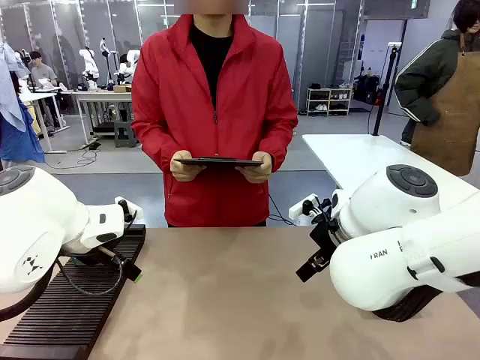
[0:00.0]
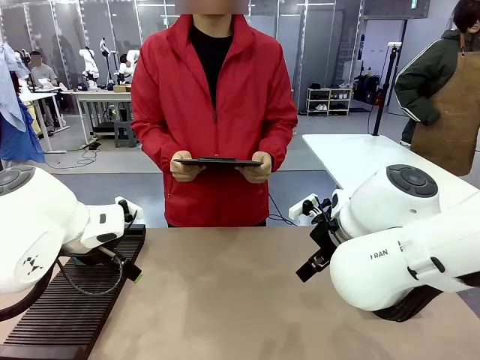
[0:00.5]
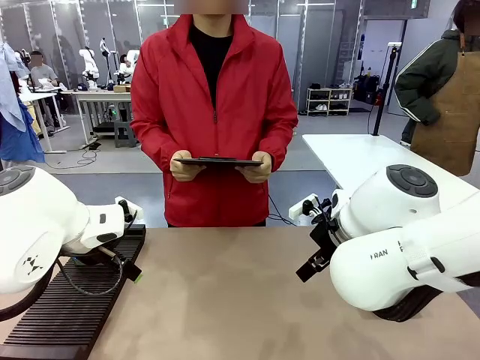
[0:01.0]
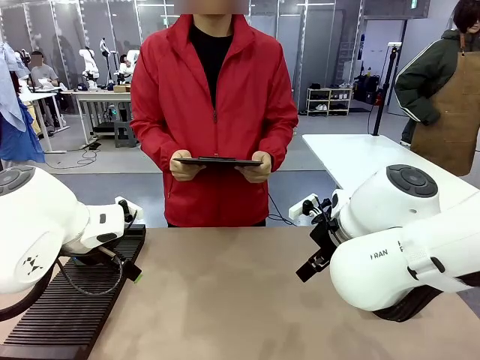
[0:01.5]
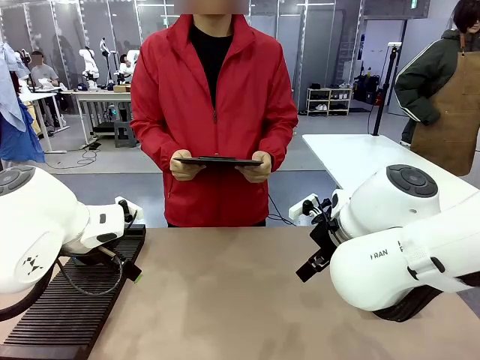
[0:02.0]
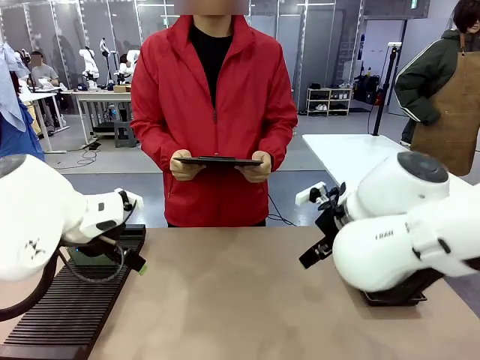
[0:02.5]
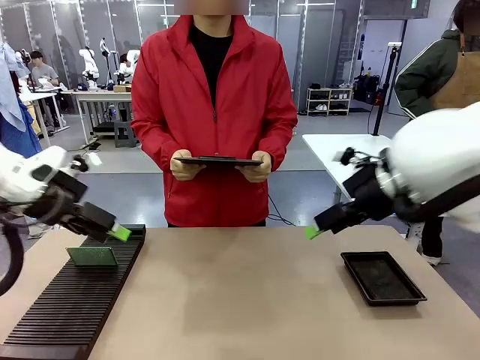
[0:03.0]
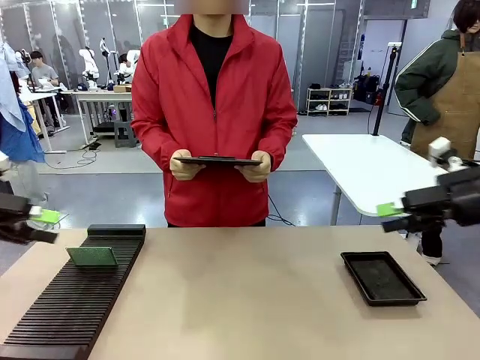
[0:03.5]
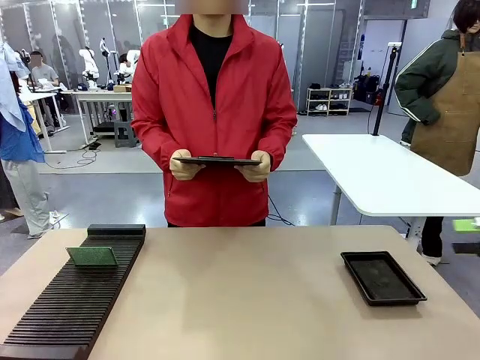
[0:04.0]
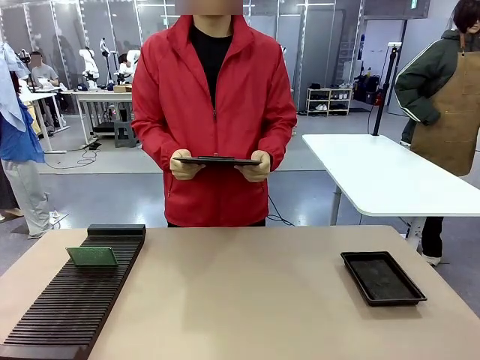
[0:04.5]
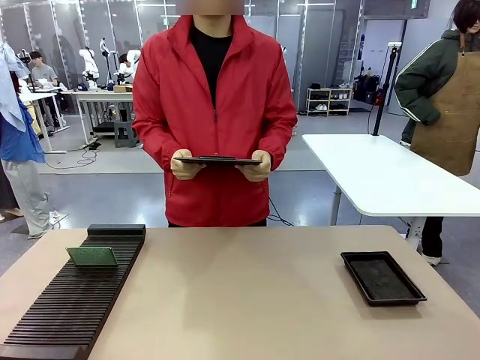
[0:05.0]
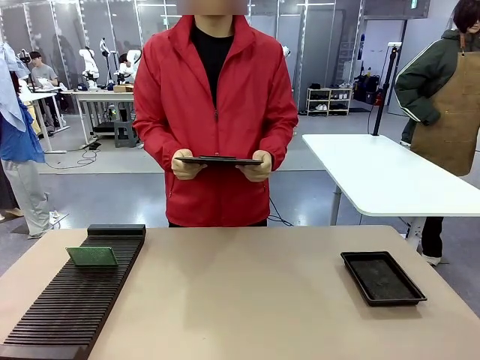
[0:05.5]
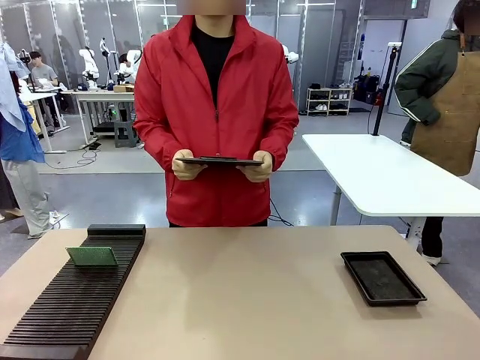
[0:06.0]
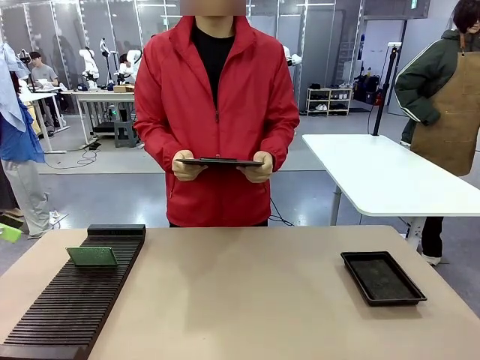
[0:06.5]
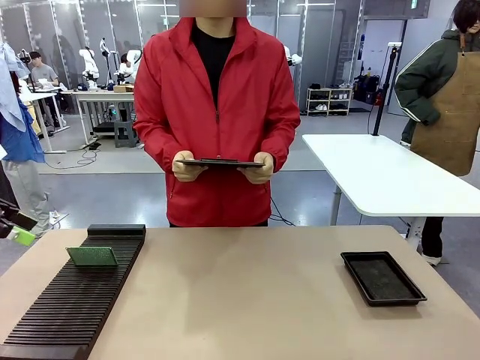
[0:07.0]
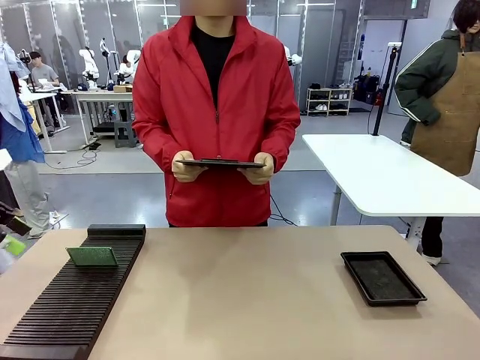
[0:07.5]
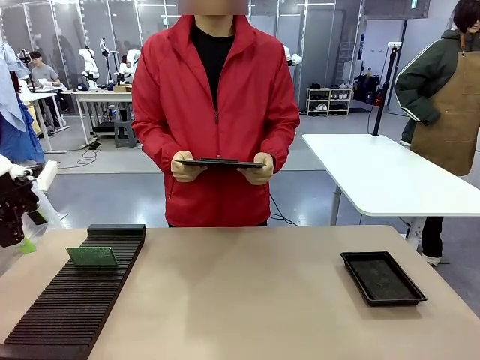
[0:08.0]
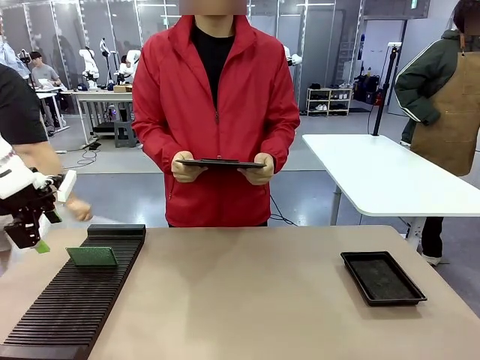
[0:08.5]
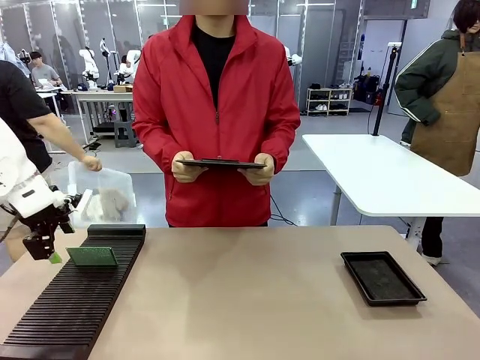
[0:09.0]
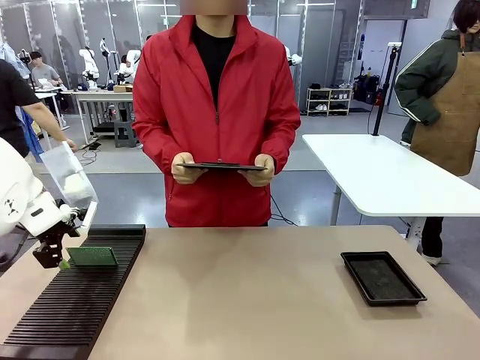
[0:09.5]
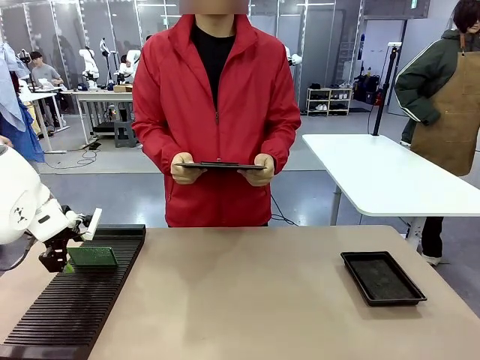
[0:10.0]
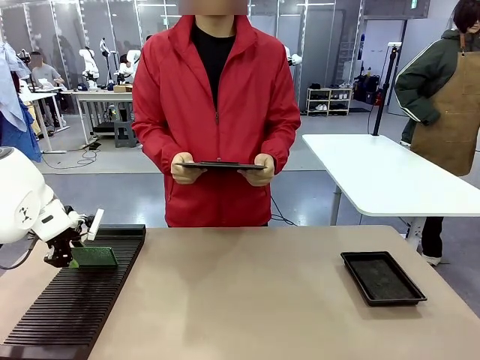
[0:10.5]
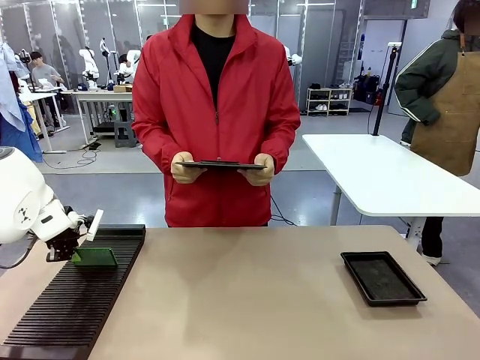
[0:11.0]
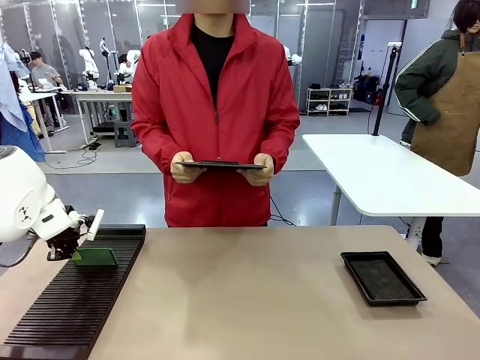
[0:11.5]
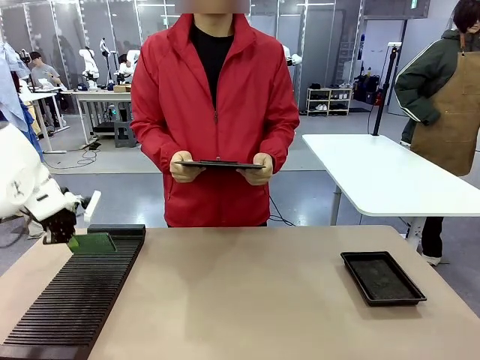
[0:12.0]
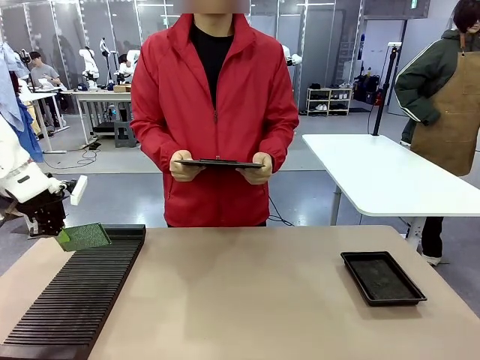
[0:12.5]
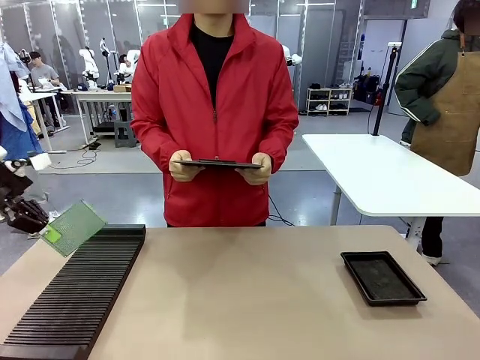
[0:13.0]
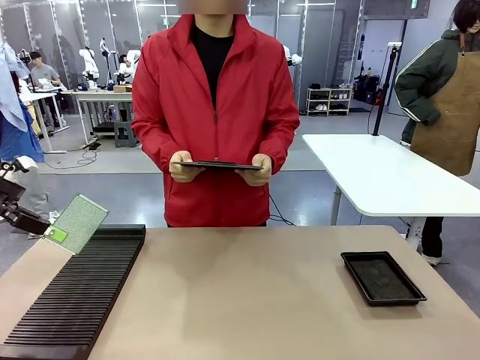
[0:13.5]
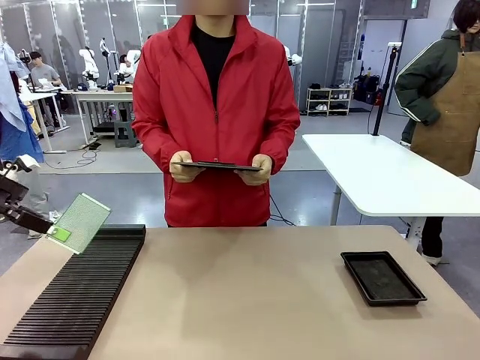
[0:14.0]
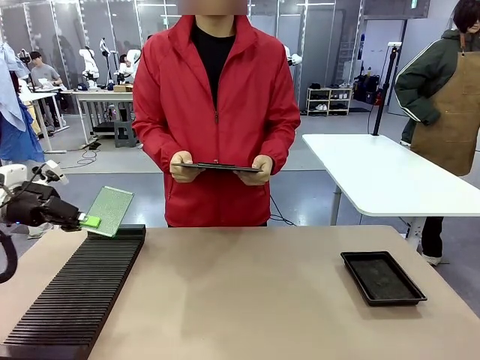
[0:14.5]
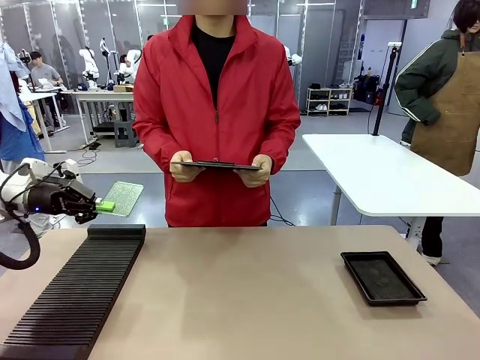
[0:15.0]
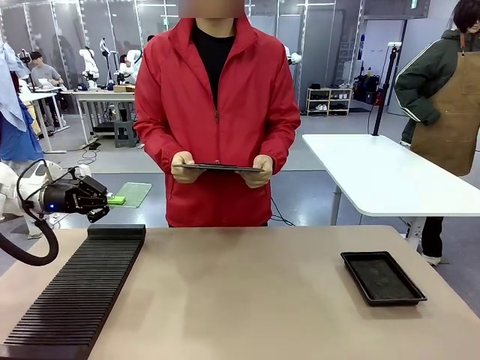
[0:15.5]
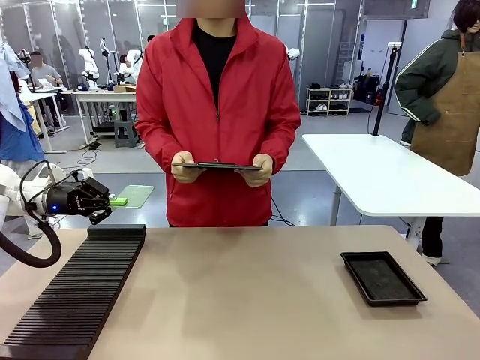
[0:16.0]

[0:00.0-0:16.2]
Task: Inspect the PCB.
Robot: Pick up the Blank PCB and present it to the human.
Person: Pick up the PCB presented by the robot.

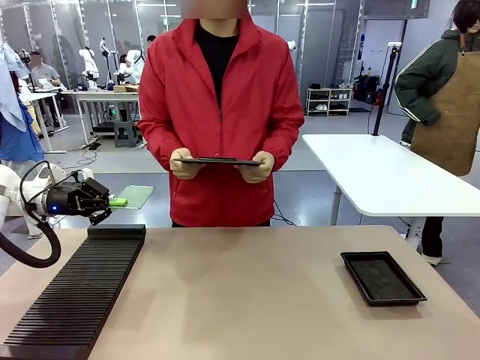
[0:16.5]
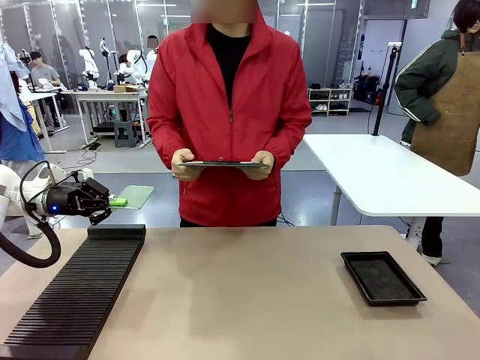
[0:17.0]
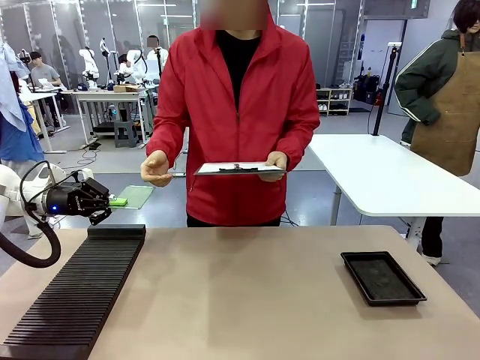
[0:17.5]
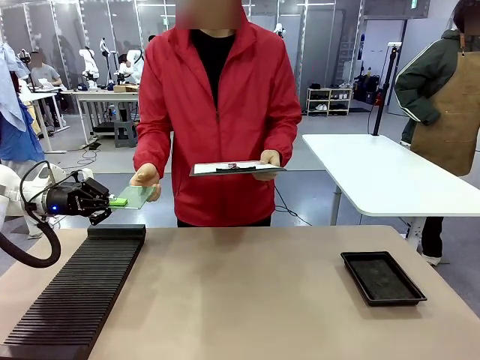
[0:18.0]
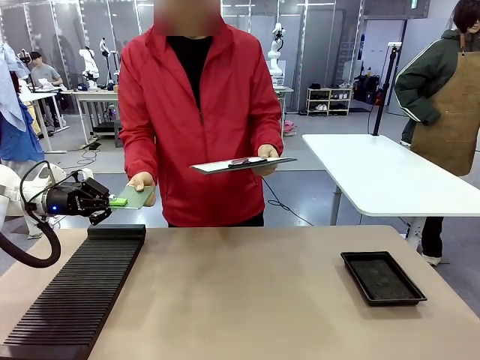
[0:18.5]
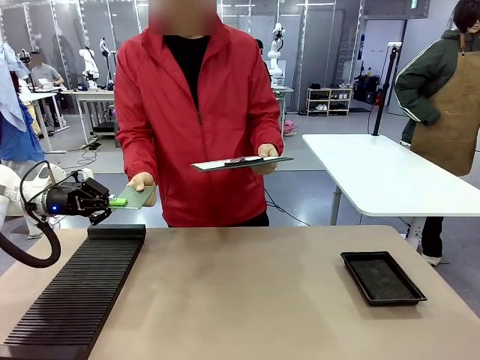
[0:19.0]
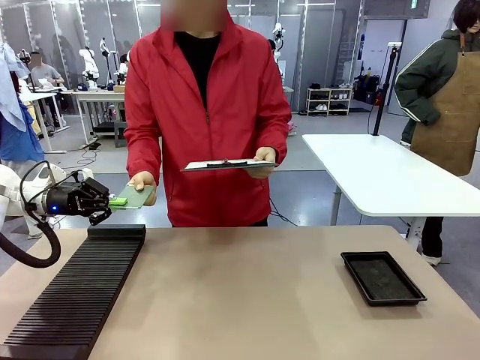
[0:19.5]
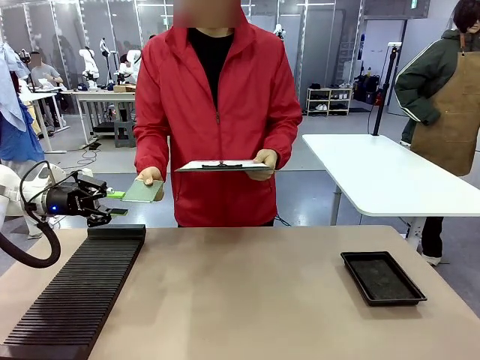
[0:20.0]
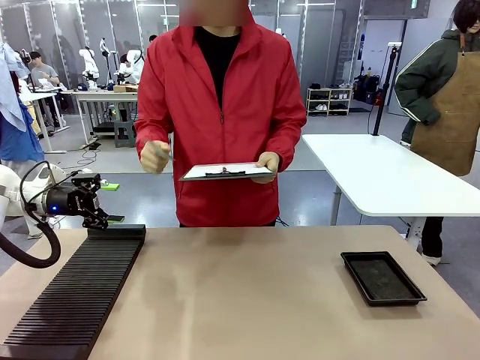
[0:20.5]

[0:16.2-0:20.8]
Robot: Release the Blank PCB you were holding.
